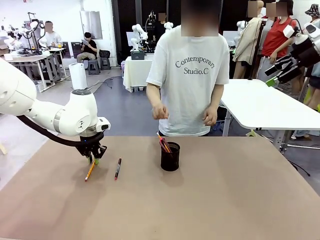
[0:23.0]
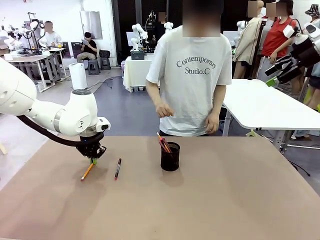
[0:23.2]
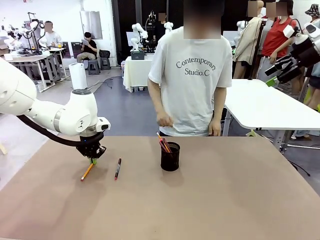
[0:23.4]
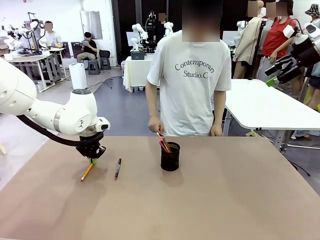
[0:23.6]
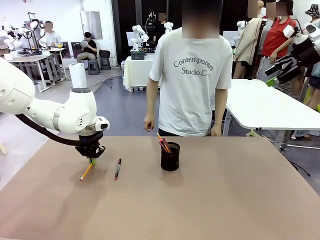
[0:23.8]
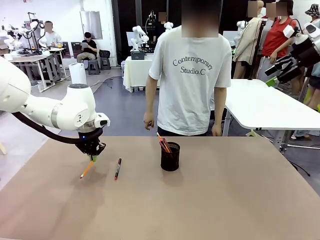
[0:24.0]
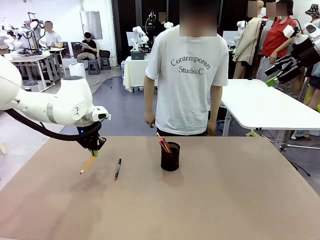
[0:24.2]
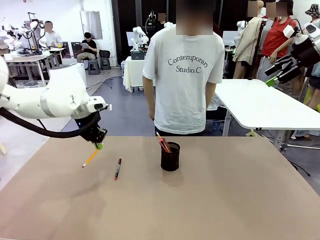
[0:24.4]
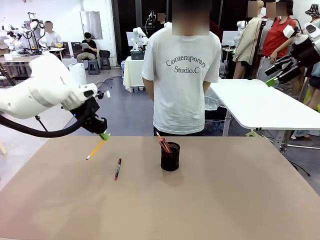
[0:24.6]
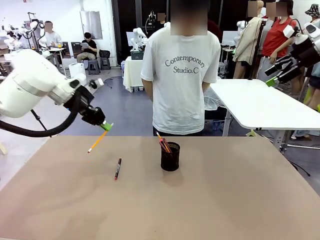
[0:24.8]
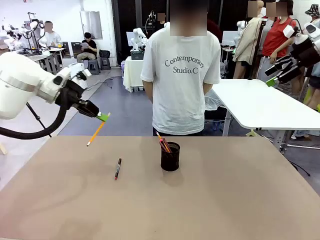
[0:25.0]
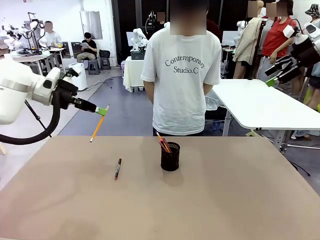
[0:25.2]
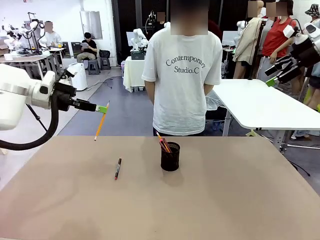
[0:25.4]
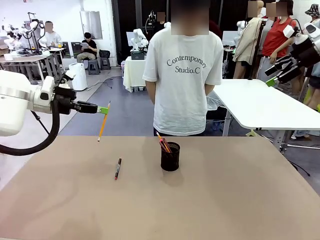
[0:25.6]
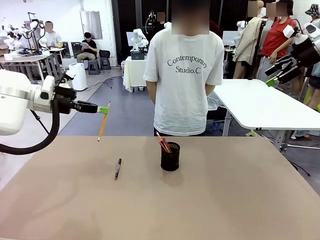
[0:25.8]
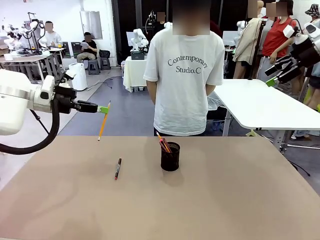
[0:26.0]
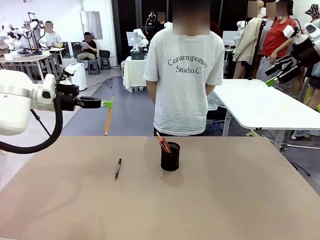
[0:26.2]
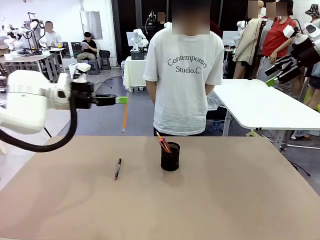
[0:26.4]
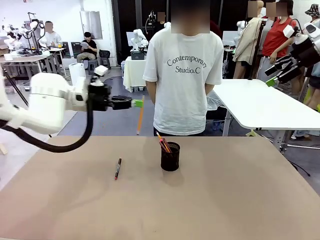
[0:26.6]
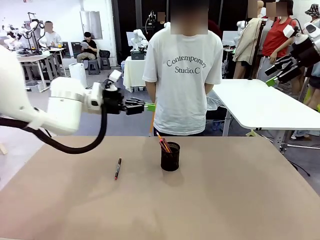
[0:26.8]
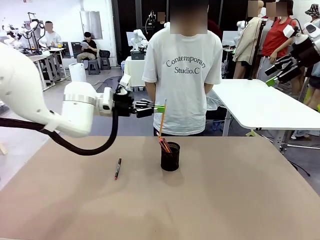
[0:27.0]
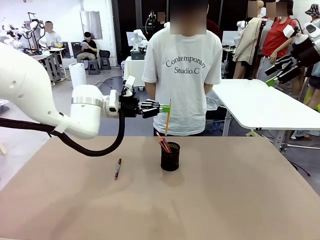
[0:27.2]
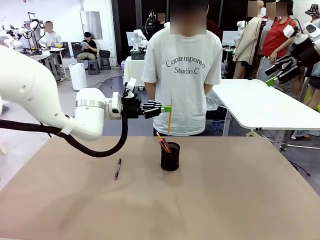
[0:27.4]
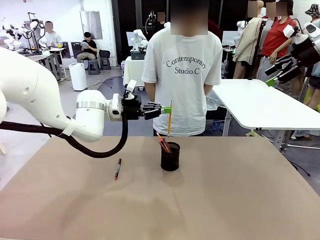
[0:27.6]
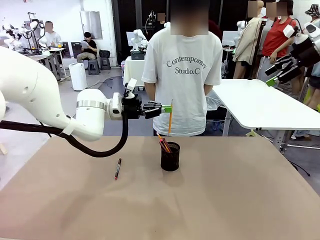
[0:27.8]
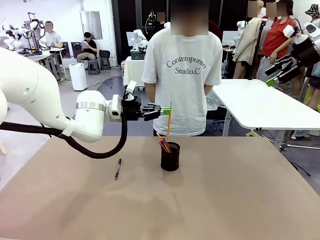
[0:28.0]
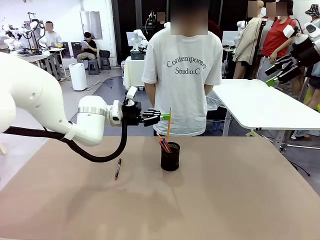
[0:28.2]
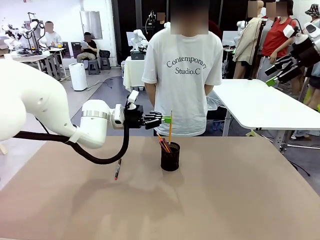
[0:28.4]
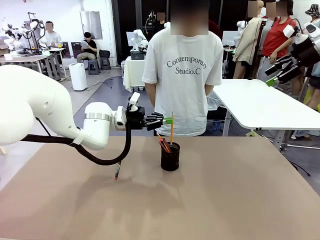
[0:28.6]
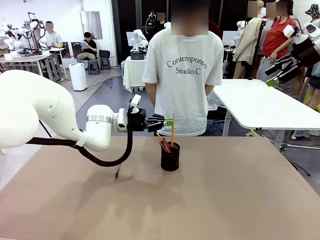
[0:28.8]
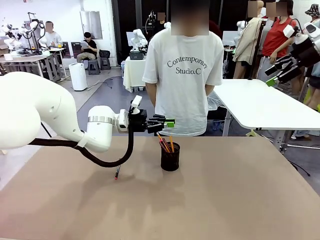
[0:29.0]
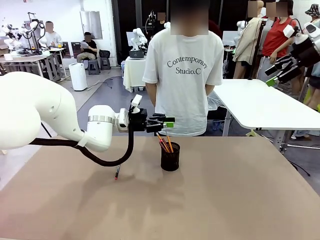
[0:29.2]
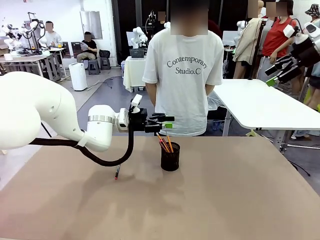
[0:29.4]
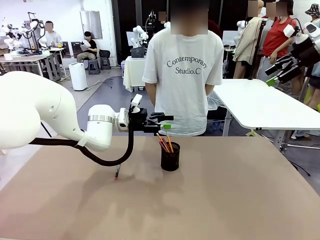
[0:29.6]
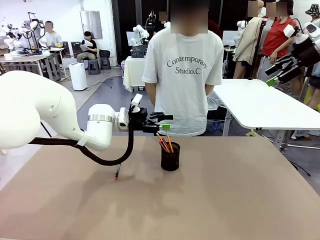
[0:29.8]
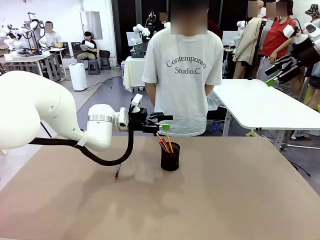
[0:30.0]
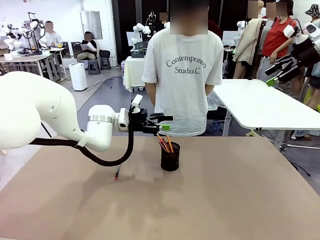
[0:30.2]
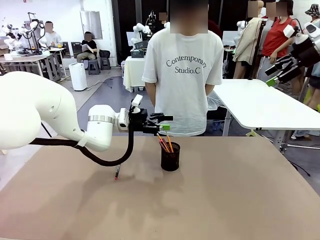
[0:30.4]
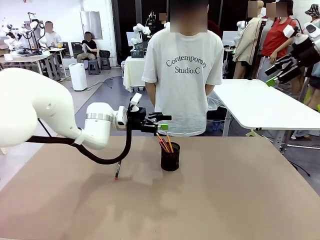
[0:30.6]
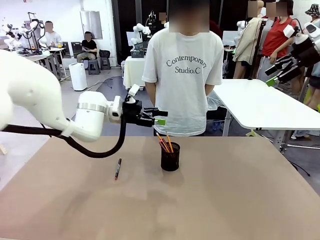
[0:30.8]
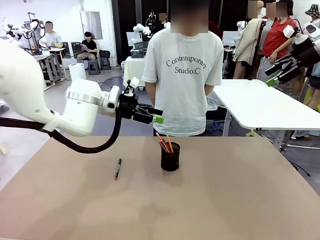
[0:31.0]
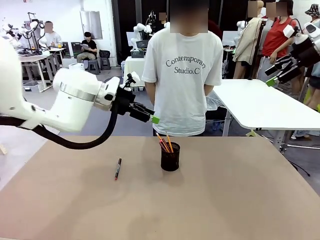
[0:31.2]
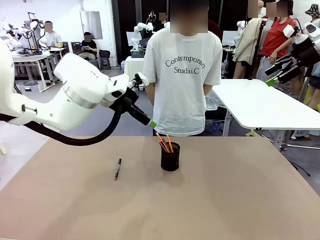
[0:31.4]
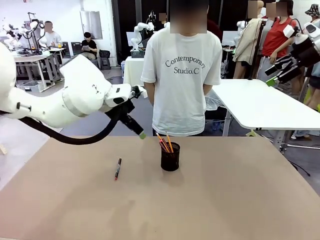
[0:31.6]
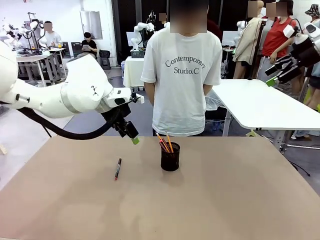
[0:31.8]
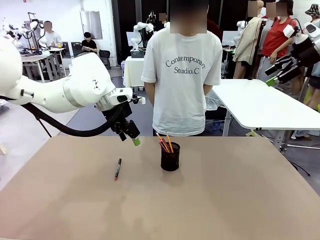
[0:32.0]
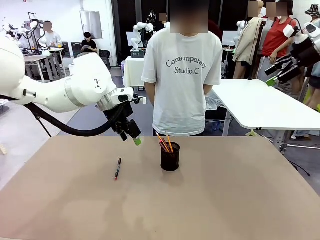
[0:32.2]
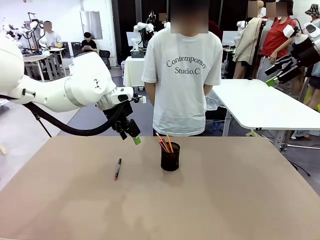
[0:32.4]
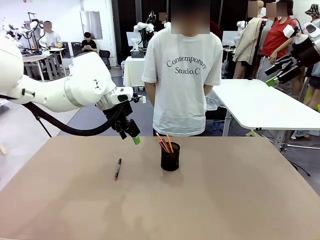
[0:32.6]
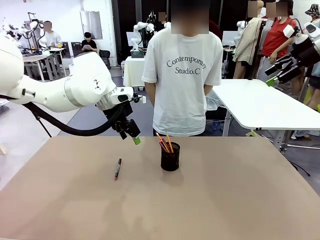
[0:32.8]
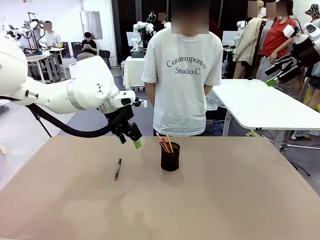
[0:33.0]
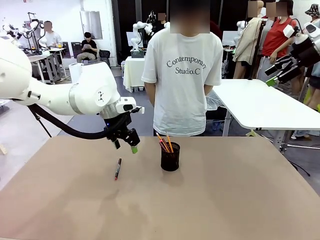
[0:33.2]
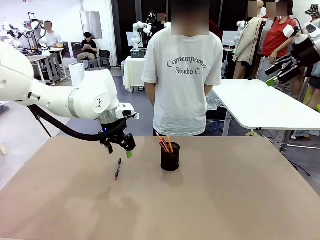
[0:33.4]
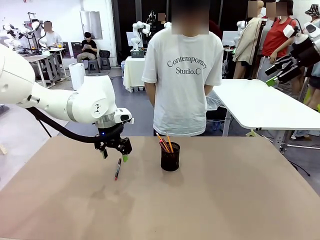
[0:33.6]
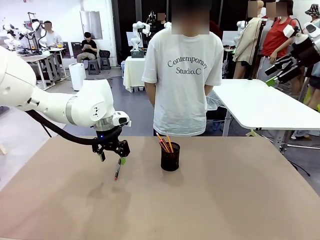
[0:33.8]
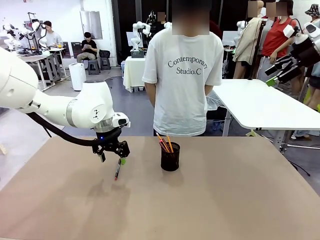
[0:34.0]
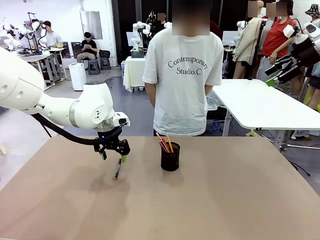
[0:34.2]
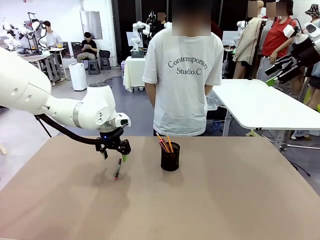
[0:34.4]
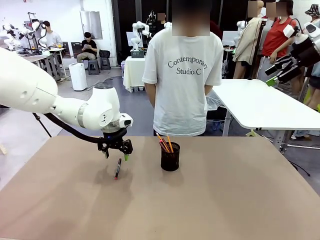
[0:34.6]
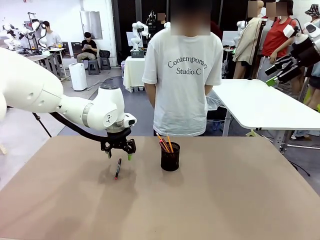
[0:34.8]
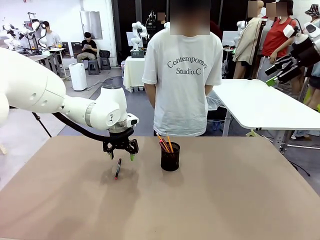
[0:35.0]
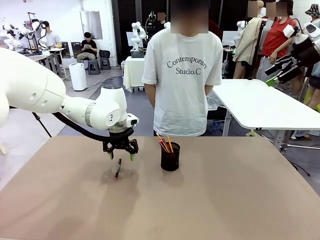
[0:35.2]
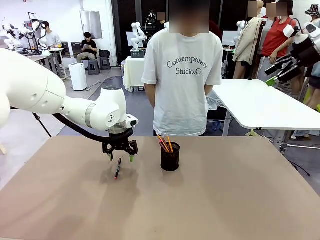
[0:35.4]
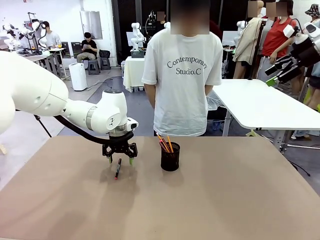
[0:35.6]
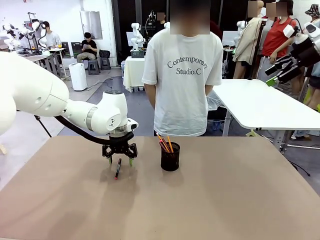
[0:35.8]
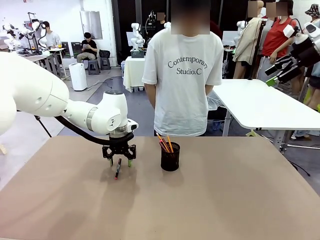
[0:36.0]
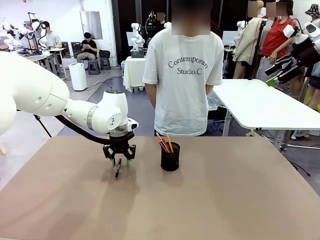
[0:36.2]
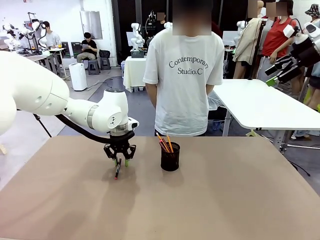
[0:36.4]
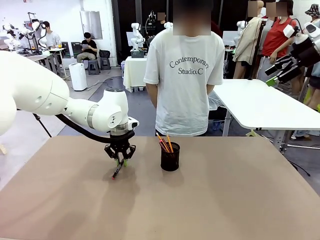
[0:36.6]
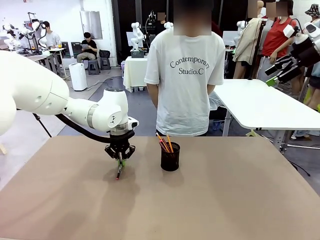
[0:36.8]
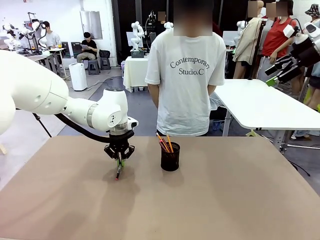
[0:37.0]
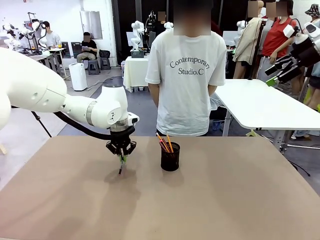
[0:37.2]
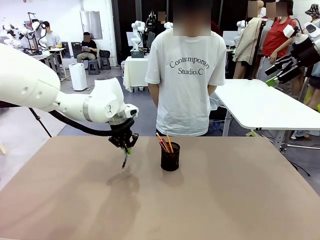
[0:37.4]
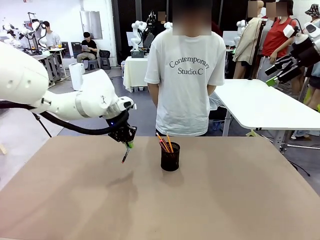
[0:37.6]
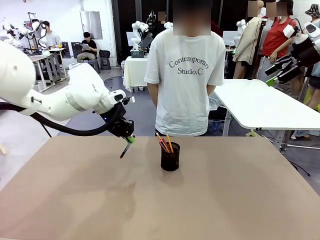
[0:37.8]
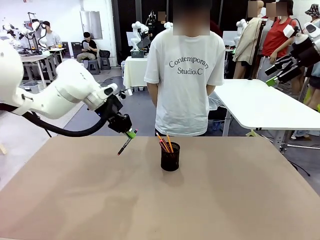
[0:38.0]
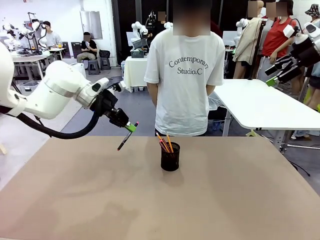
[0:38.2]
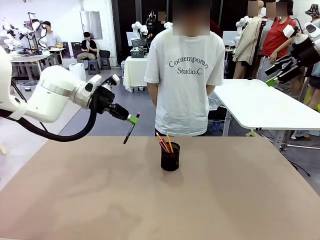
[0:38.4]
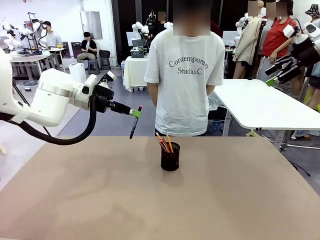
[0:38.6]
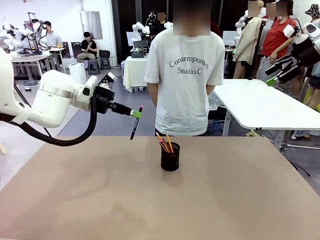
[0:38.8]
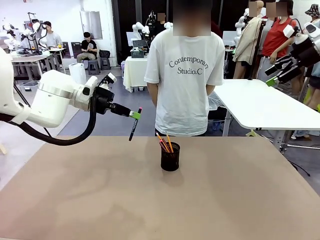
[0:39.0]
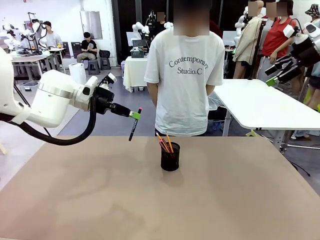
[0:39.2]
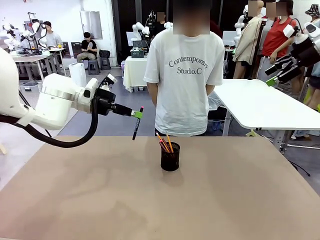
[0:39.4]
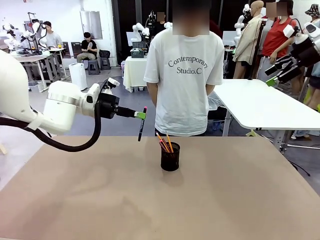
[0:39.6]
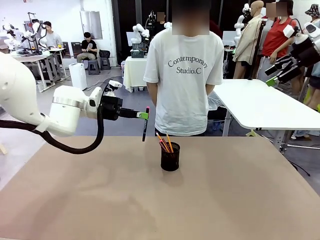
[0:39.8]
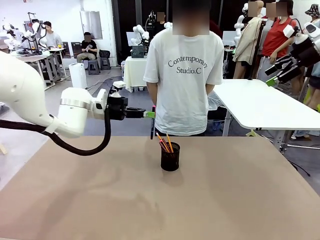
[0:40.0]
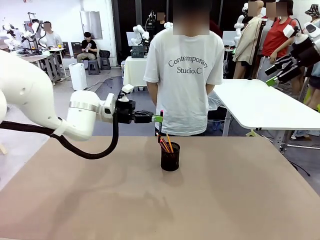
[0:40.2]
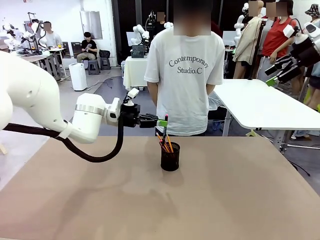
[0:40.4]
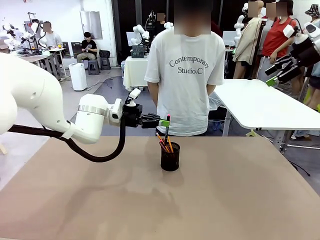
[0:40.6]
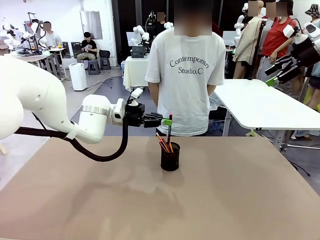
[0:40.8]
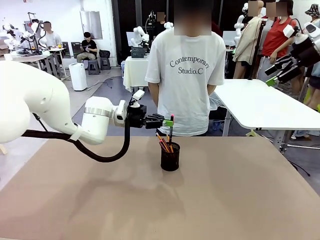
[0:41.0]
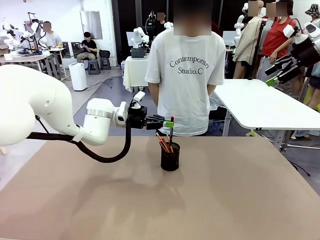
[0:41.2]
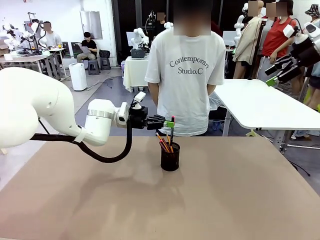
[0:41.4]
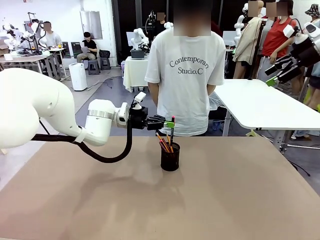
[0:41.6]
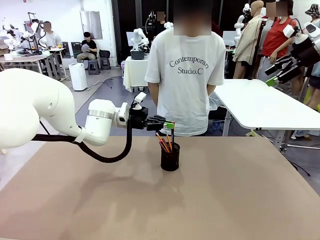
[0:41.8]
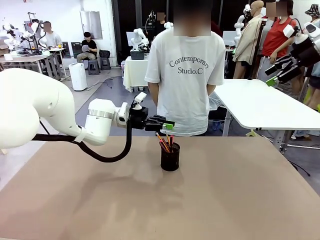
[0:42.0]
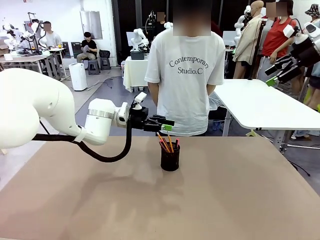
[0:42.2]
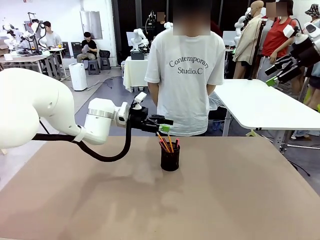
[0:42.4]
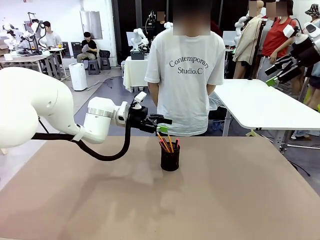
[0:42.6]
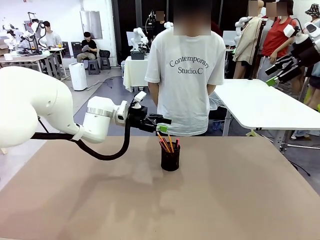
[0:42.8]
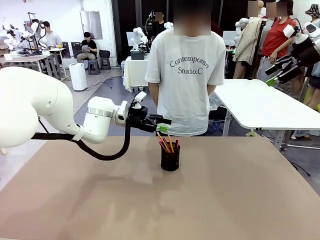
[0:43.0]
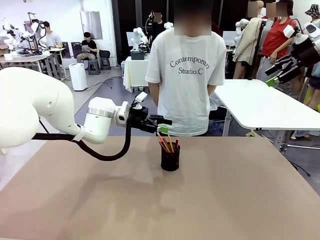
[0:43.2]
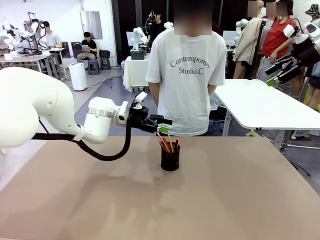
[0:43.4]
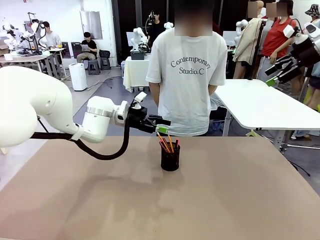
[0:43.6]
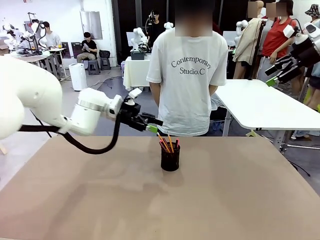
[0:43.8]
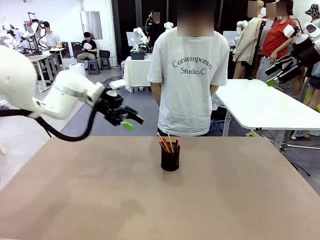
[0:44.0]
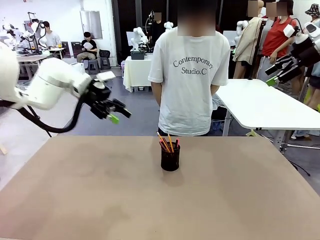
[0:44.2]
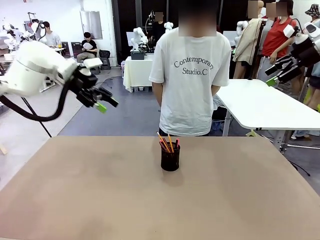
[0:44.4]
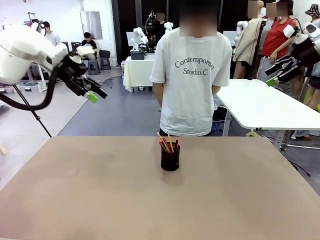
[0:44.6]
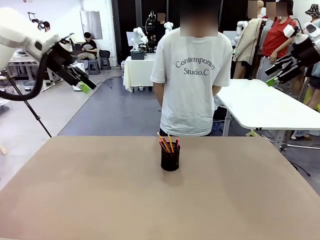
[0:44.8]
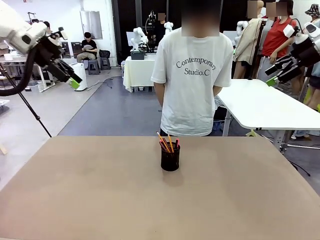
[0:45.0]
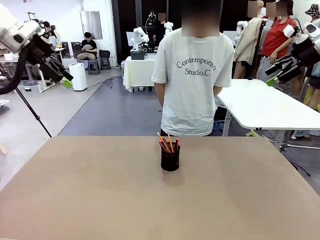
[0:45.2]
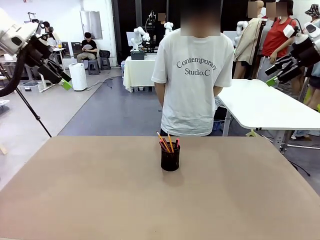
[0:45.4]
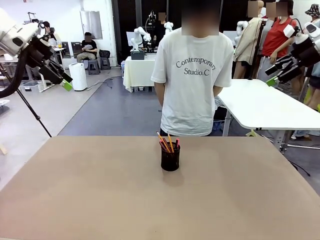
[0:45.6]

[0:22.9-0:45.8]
Task: Place the pens into the pen holder.
Robot: Pick up a writing instrument from the table and place it into the Pen holder.
Person: Place all writing instrument into the Pen holder.
